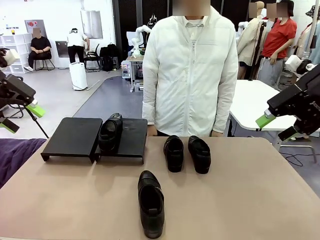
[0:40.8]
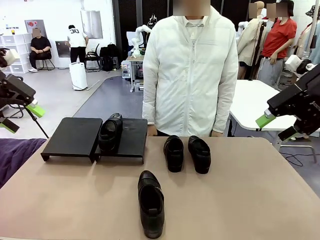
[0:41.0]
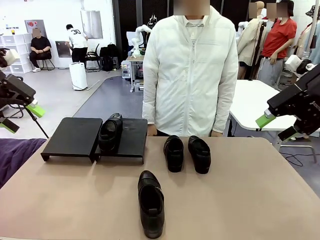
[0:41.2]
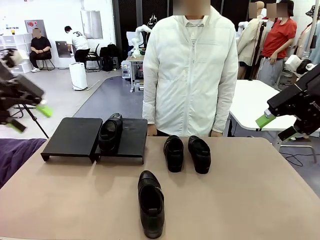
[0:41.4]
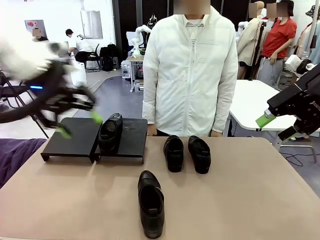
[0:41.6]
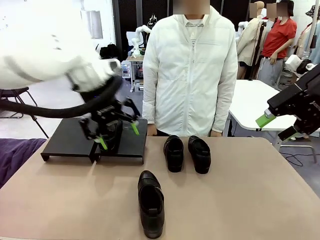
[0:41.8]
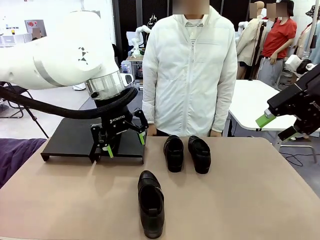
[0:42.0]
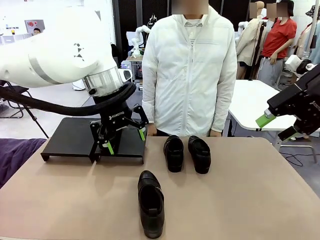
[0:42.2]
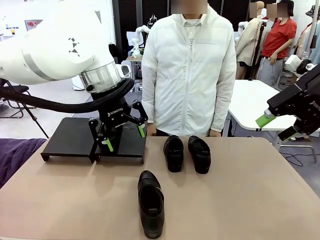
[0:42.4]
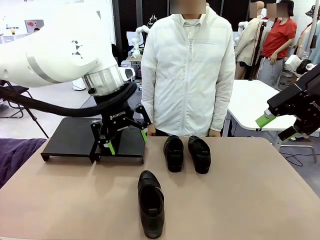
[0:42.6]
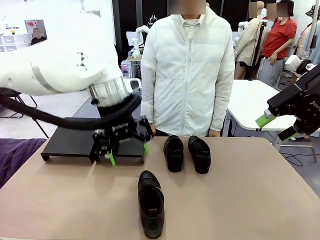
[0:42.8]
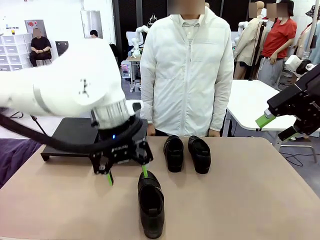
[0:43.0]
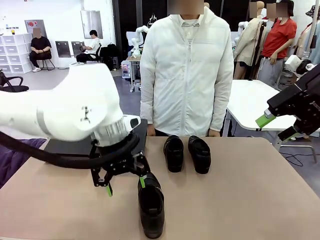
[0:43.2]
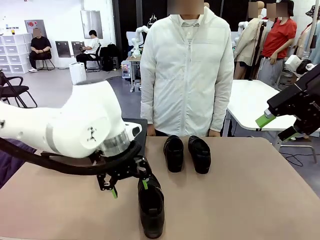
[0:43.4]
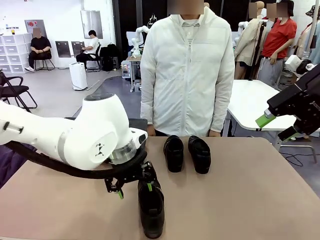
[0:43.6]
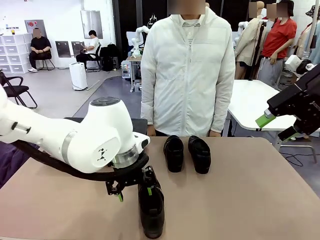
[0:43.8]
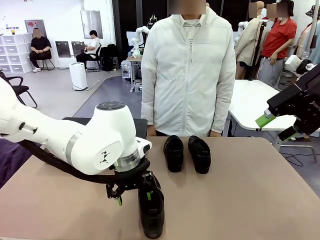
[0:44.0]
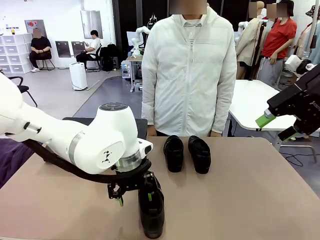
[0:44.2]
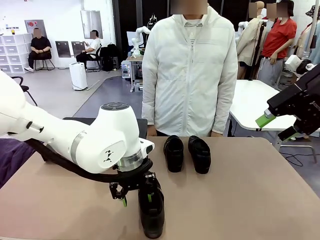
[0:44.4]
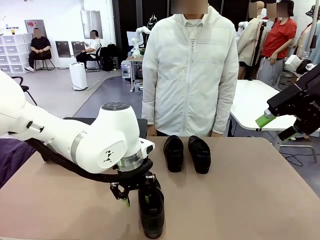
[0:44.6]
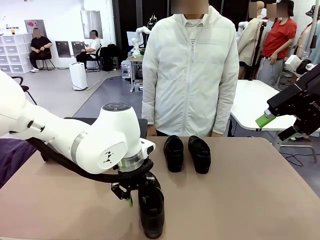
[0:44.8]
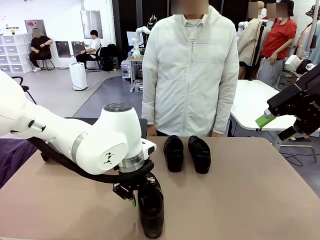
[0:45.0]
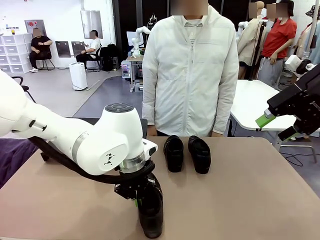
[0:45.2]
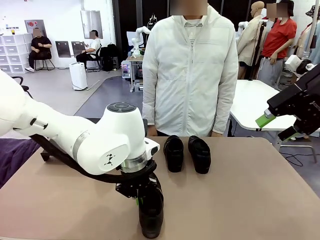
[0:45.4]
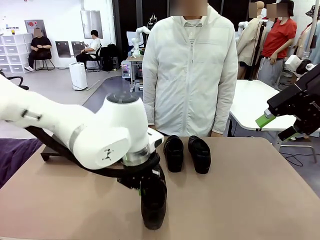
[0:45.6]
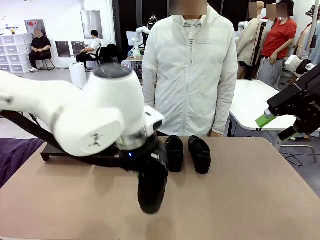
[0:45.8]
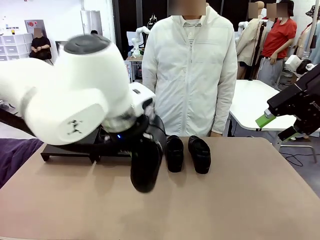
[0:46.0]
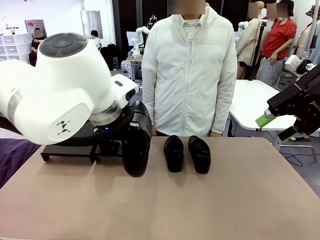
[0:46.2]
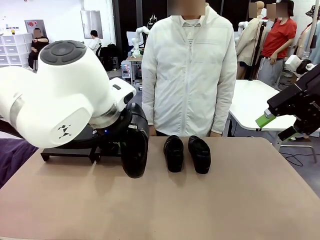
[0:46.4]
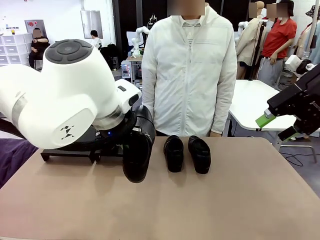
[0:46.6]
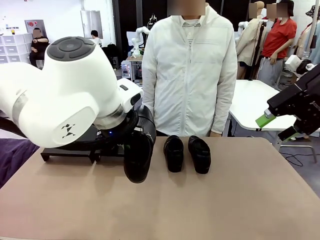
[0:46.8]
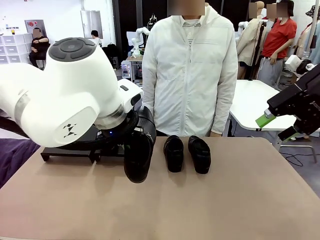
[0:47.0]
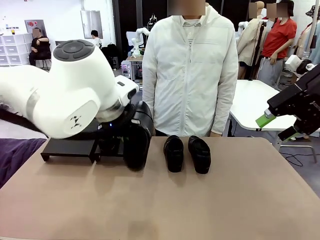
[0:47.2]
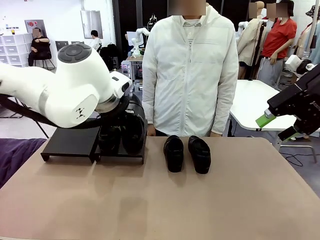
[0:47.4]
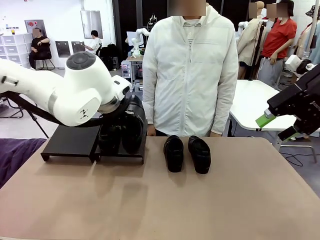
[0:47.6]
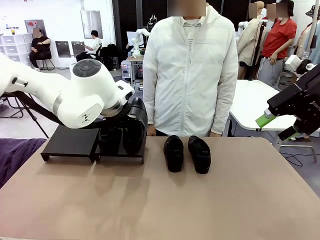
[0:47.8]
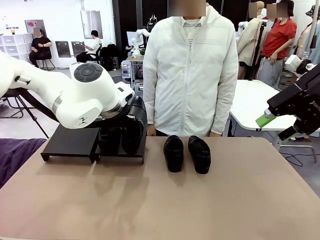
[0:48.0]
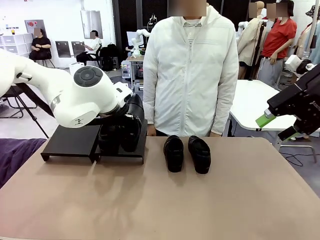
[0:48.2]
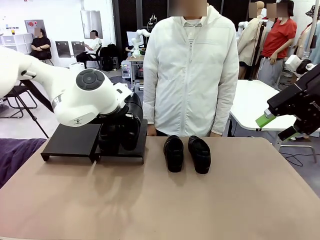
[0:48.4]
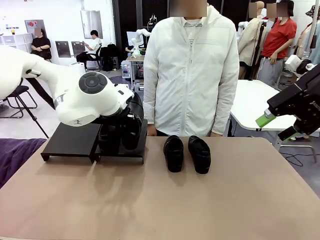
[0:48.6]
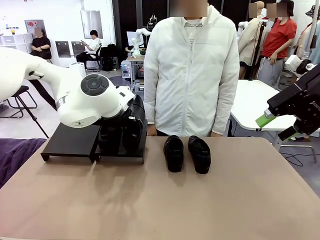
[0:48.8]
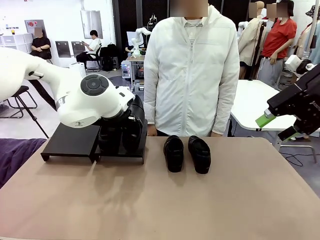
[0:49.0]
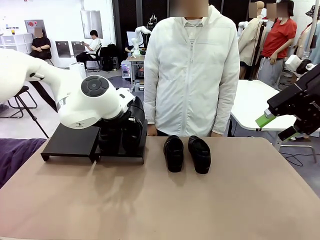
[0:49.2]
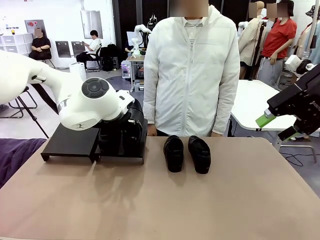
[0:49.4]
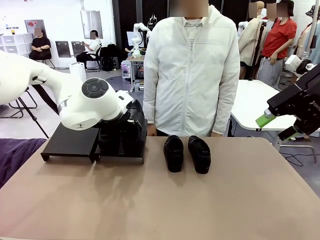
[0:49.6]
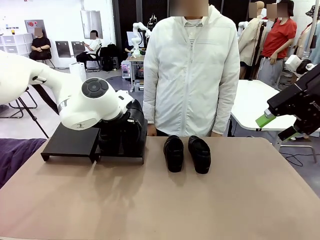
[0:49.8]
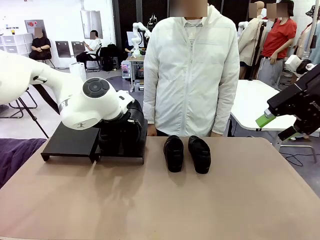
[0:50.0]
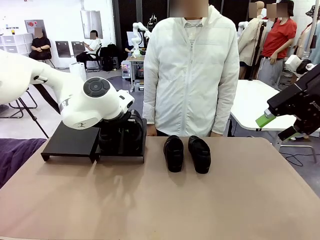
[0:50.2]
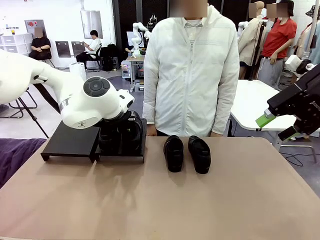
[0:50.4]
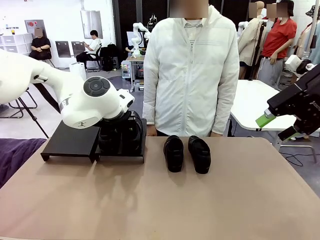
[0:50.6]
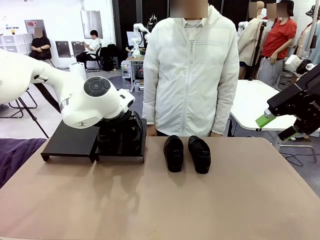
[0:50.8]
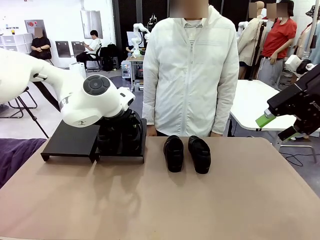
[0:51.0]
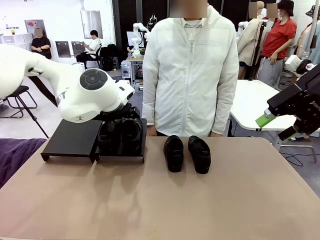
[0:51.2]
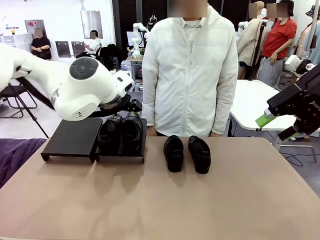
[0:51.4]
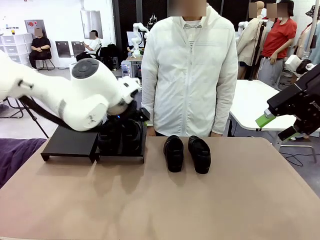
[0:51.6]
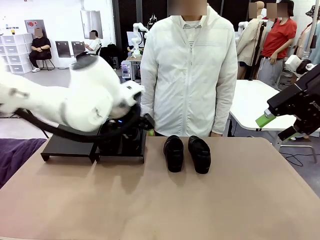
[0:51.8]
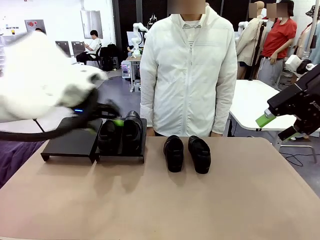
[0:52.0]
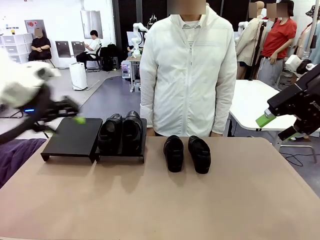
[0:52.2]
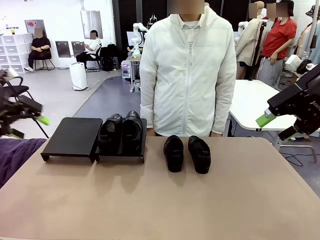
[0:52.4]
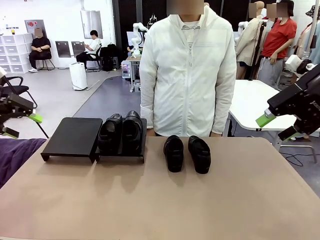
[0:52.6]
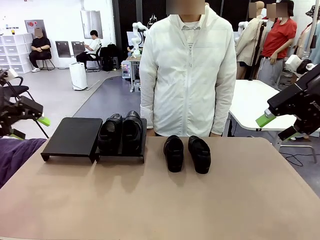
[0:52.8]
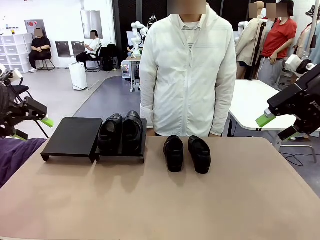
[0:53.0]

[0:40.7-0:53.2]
Task: Organize the shoes by placing them on the stand.
Robot: Place the Shoe from the middle of the table onto the Shoes Stand.

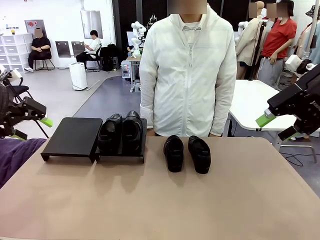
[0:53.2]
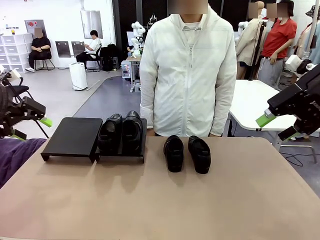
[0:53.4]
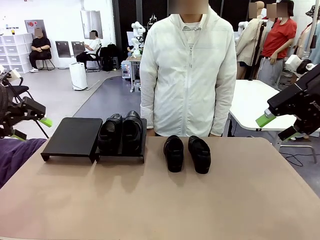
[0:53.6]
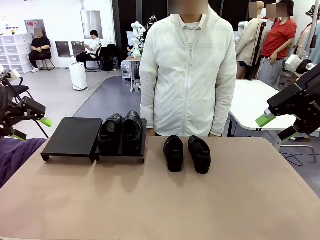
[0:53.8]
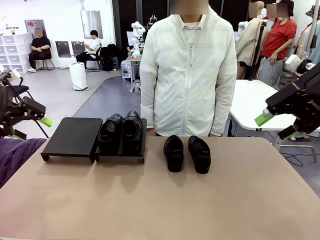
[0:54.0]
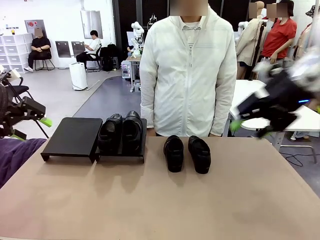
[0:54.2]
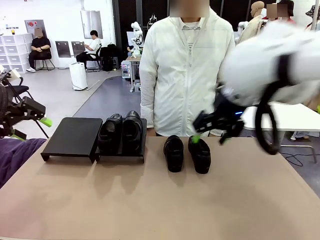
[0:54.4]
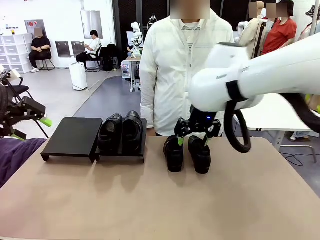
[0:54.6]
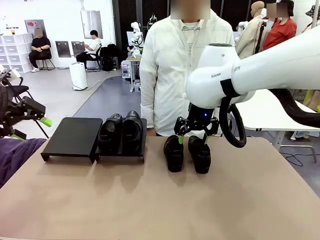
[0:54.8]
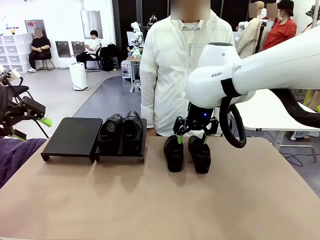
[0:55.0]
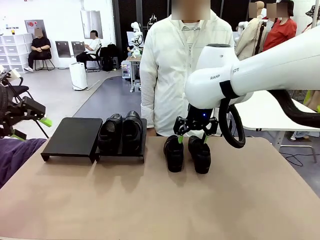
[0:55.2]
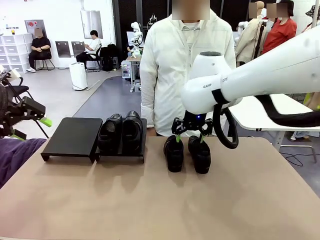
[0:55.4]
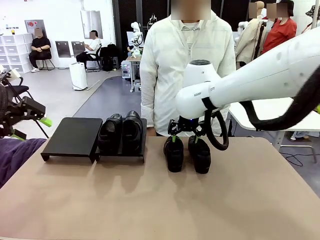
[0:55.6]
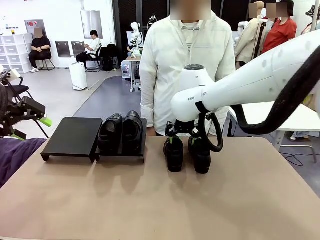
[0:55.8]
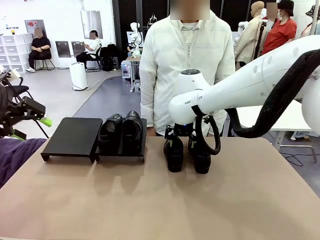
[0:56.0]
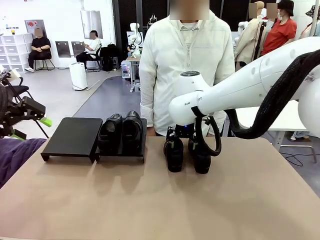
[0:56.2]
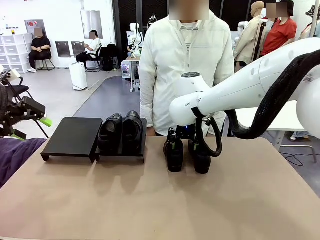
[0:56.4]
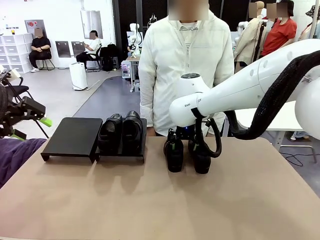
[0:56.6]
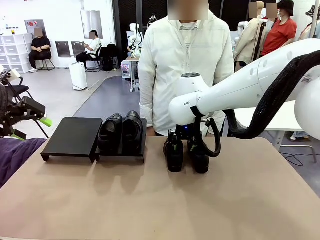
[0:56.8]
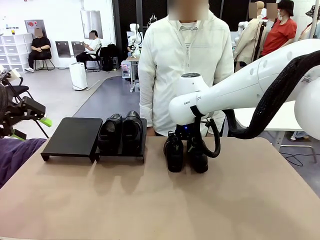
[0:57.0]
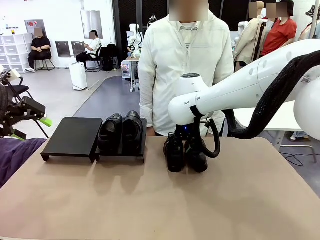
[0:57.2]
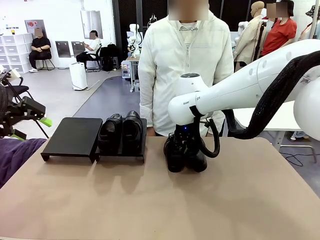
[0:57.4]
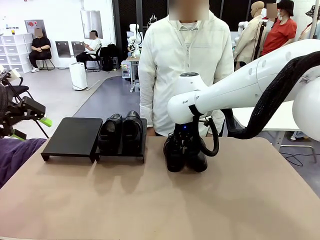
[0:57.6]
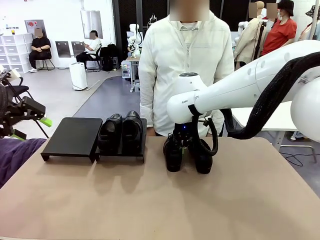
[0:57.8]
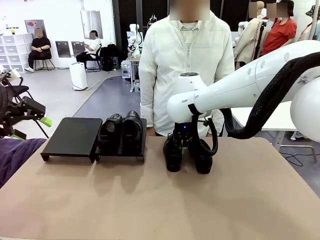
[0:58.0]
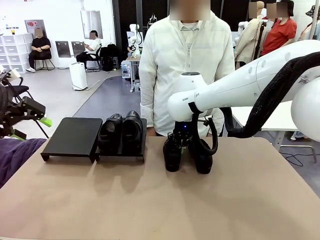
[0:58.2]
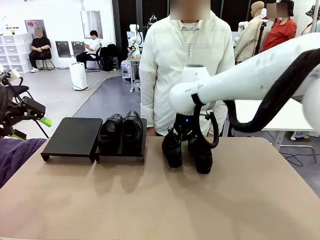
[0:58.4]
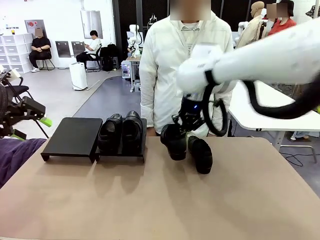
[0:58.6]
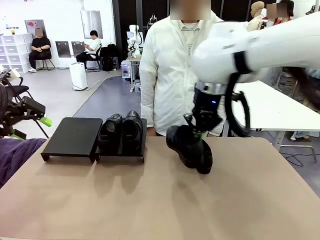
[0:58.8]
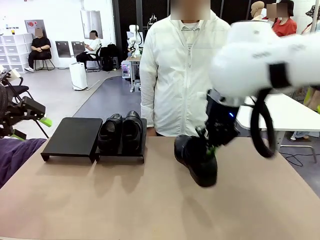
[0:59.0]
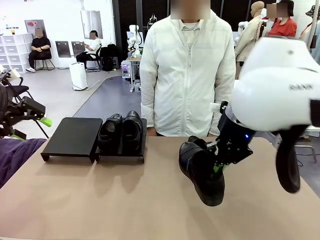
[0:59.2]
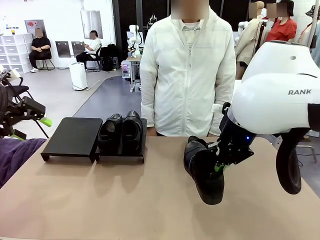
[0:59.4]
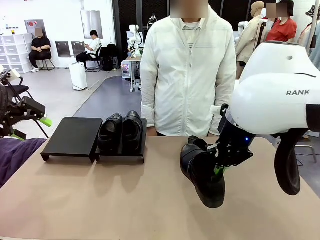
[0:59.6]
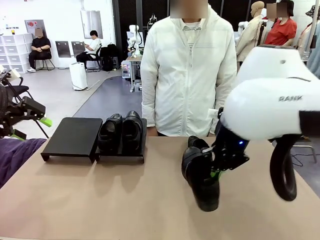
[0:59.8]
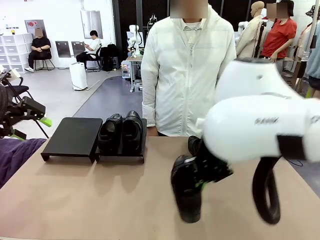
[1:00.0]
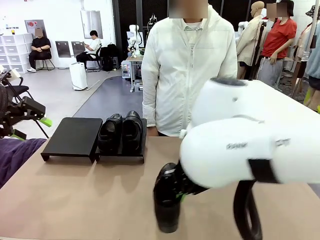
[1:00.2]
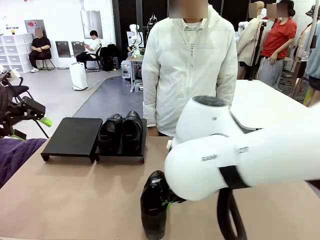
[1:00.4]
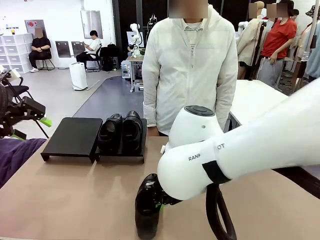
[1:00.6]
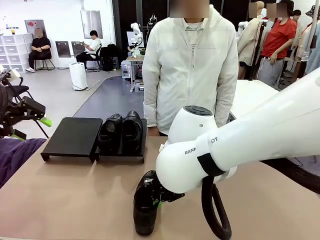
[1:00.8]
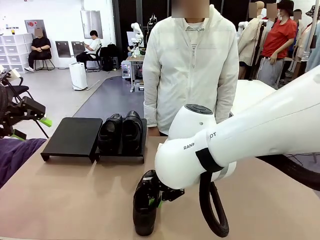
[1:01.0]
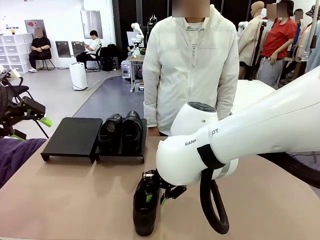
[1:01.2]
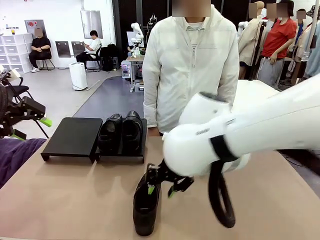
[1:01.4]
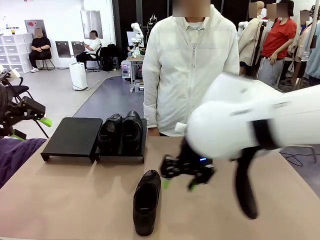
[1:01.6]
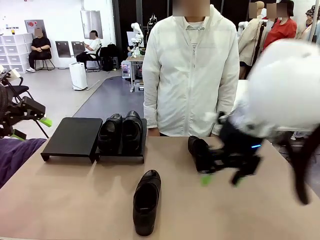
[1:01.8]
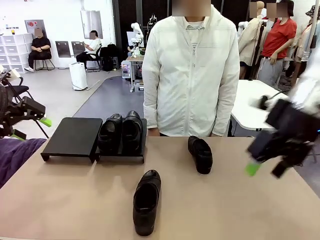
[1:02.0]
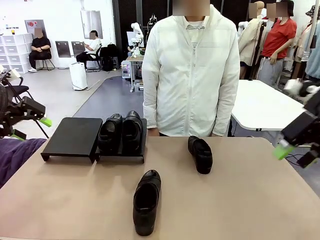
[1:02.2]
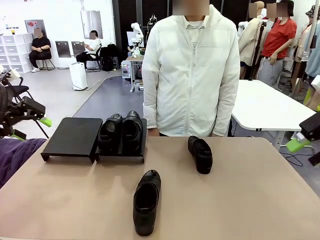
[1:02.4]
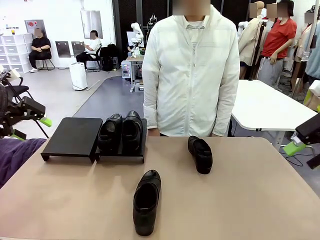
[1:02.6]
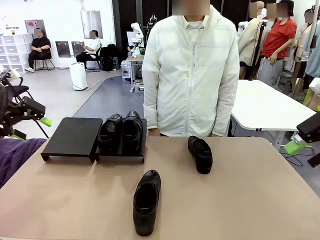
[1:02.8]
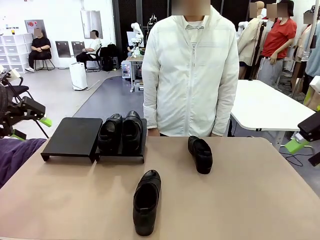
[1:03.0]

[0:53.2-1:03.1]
Robot: Pick up one Shoe and place it in the middle of the table.
